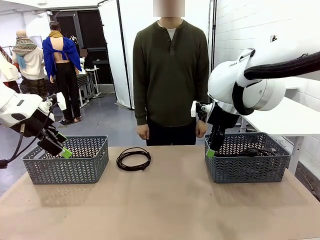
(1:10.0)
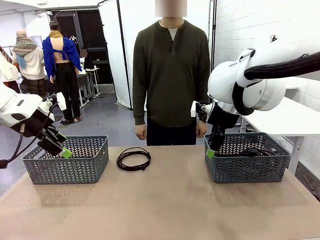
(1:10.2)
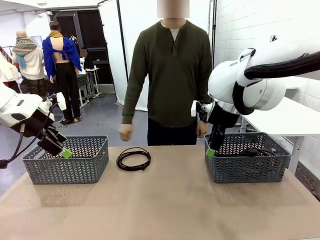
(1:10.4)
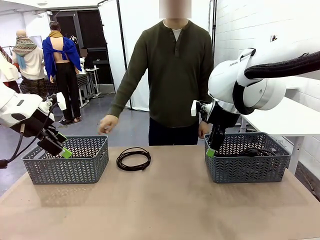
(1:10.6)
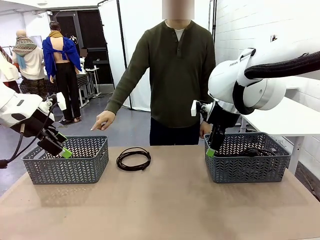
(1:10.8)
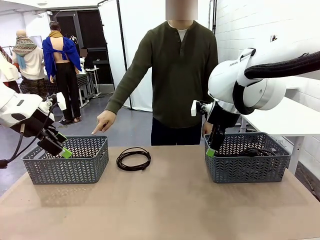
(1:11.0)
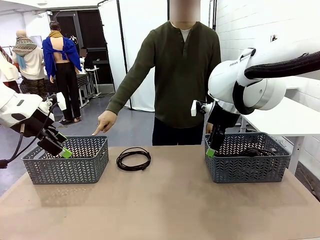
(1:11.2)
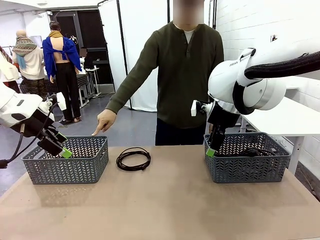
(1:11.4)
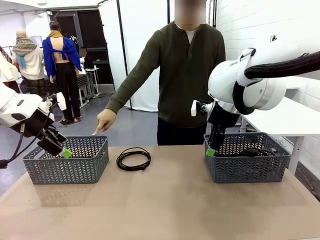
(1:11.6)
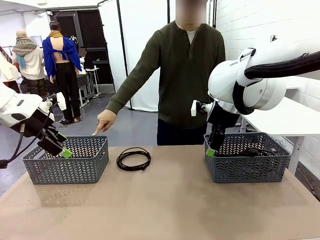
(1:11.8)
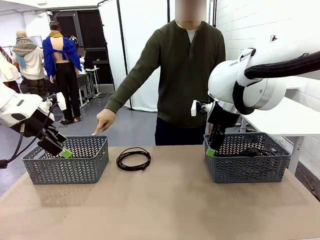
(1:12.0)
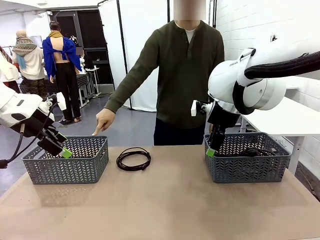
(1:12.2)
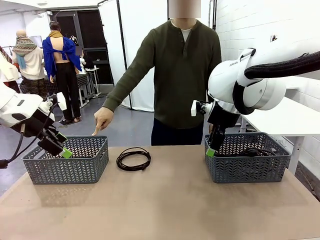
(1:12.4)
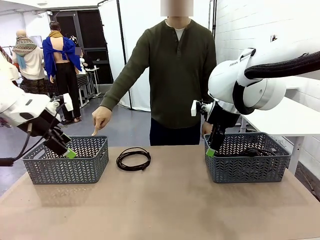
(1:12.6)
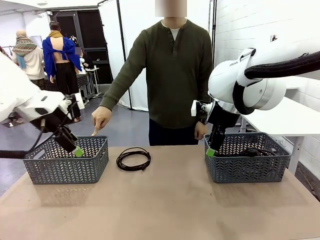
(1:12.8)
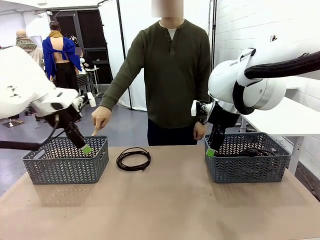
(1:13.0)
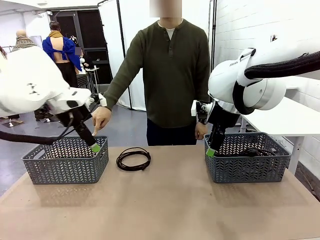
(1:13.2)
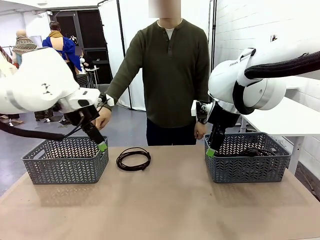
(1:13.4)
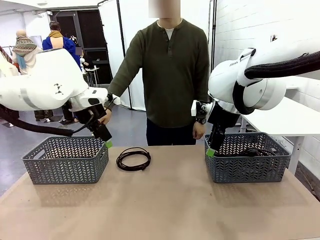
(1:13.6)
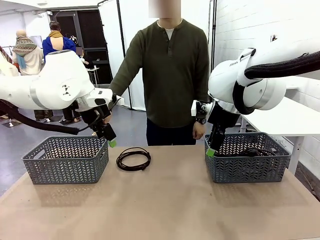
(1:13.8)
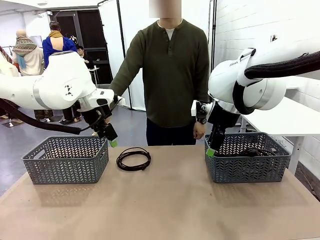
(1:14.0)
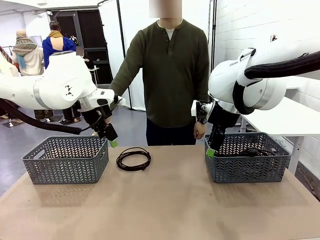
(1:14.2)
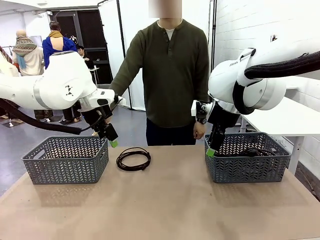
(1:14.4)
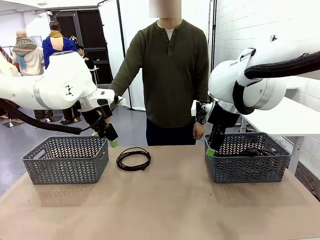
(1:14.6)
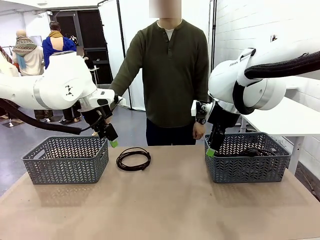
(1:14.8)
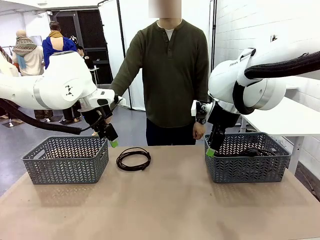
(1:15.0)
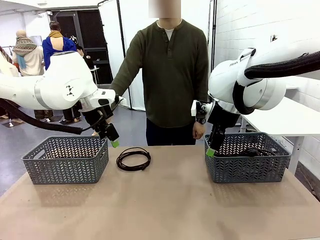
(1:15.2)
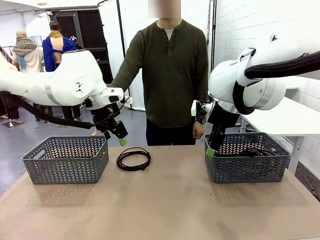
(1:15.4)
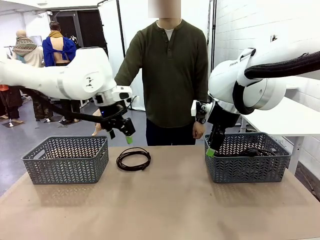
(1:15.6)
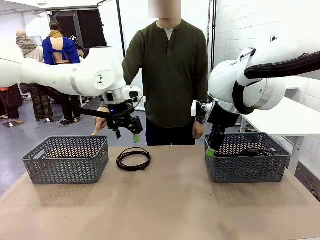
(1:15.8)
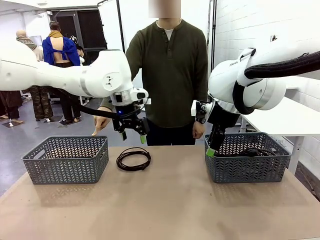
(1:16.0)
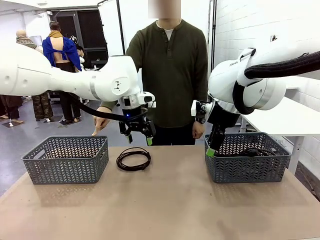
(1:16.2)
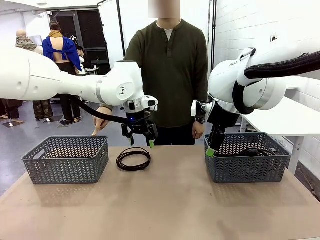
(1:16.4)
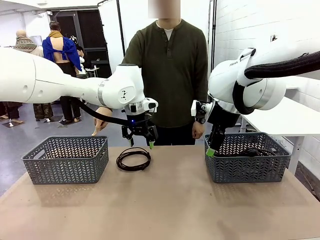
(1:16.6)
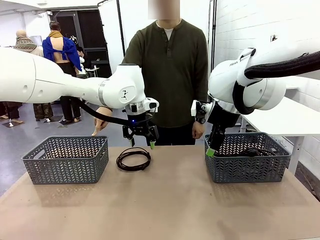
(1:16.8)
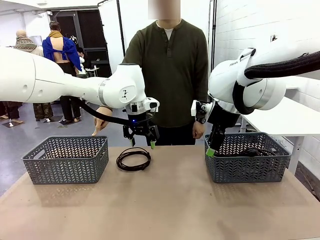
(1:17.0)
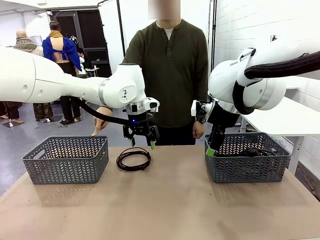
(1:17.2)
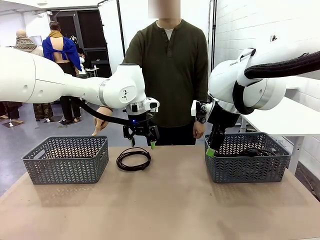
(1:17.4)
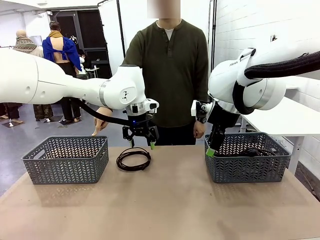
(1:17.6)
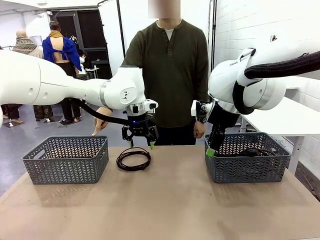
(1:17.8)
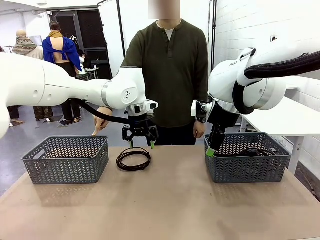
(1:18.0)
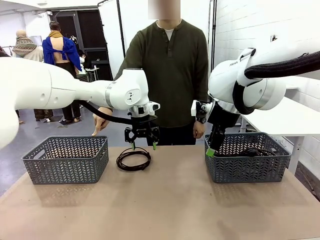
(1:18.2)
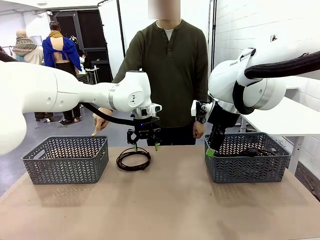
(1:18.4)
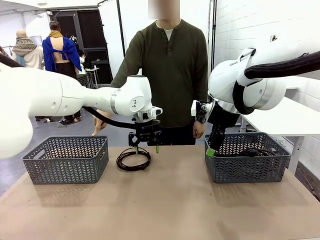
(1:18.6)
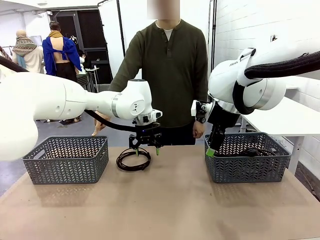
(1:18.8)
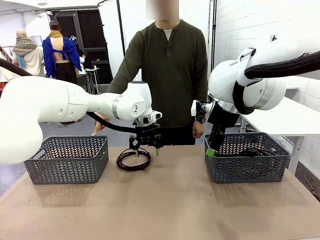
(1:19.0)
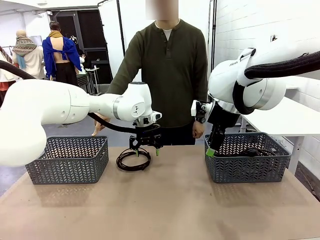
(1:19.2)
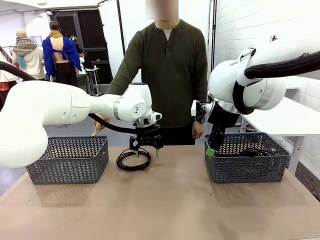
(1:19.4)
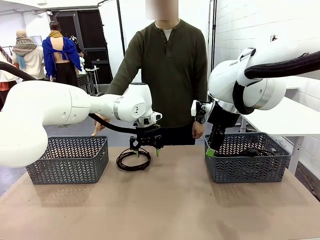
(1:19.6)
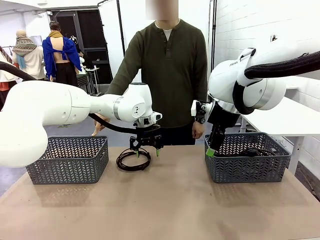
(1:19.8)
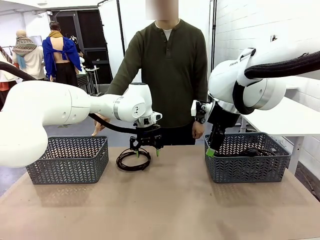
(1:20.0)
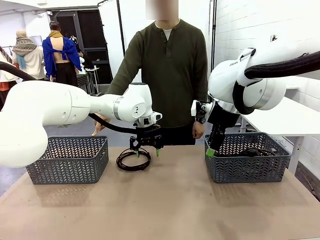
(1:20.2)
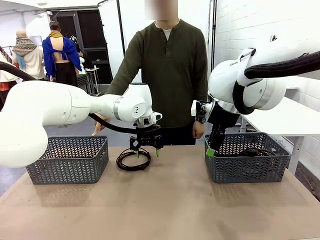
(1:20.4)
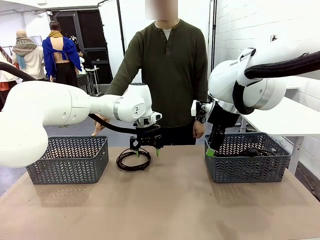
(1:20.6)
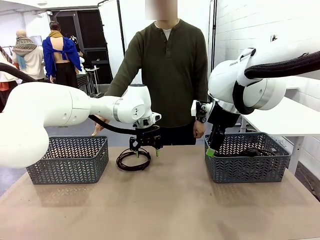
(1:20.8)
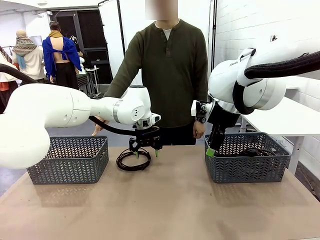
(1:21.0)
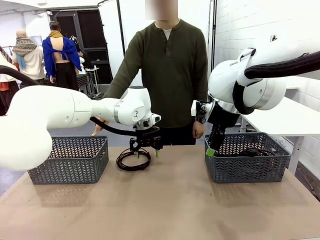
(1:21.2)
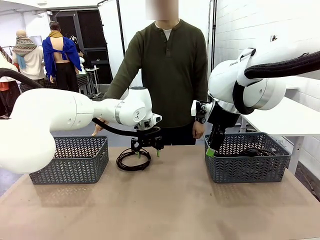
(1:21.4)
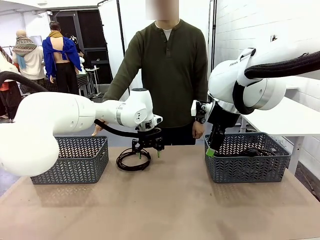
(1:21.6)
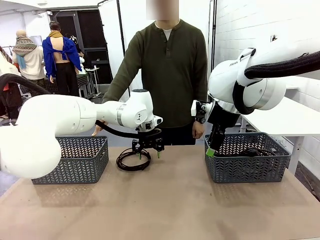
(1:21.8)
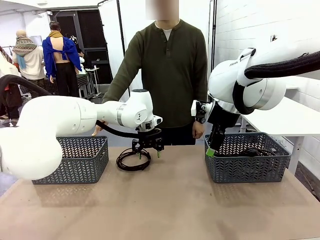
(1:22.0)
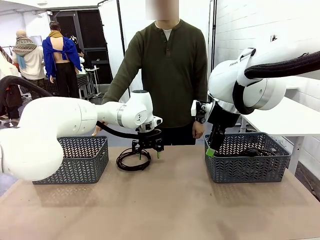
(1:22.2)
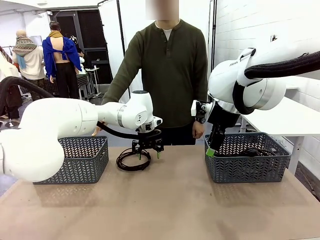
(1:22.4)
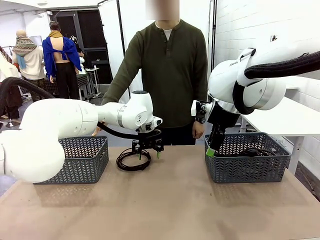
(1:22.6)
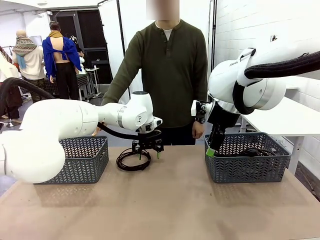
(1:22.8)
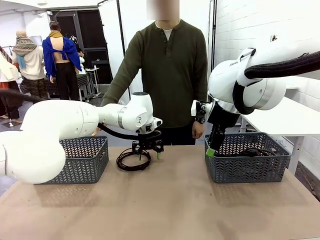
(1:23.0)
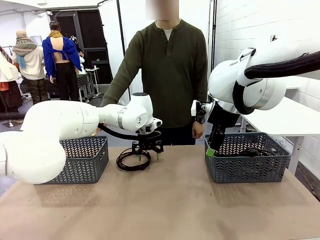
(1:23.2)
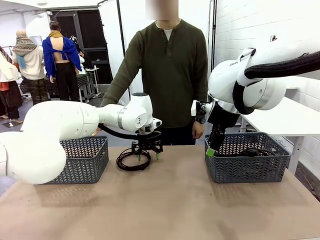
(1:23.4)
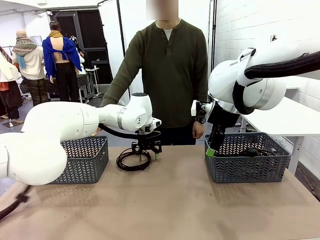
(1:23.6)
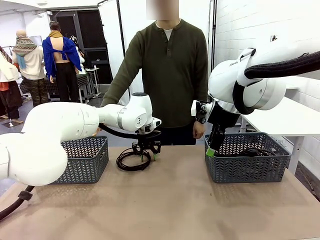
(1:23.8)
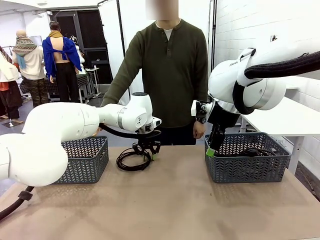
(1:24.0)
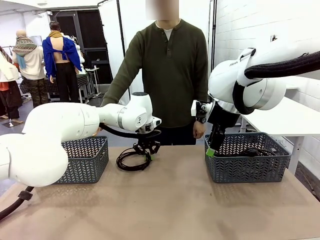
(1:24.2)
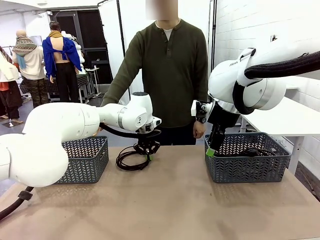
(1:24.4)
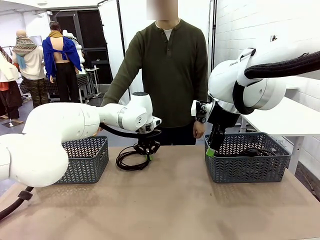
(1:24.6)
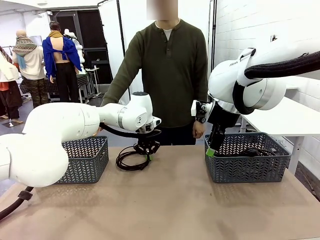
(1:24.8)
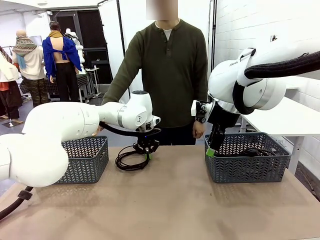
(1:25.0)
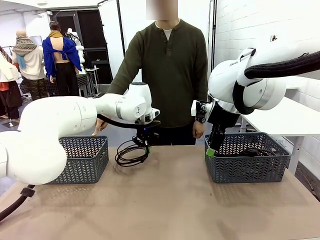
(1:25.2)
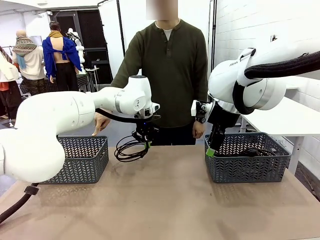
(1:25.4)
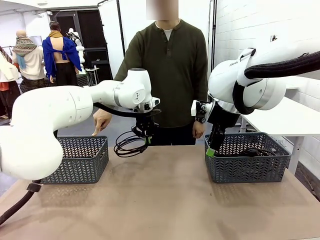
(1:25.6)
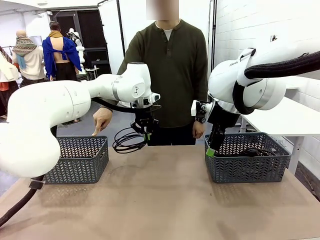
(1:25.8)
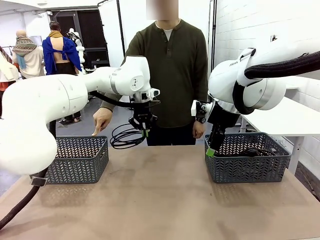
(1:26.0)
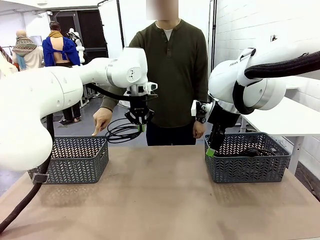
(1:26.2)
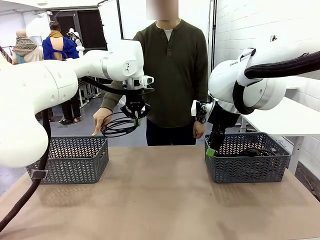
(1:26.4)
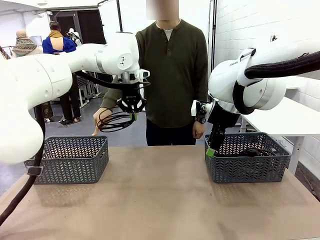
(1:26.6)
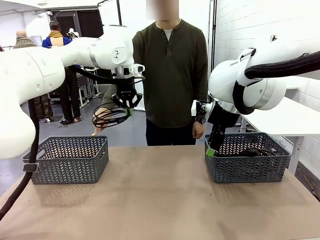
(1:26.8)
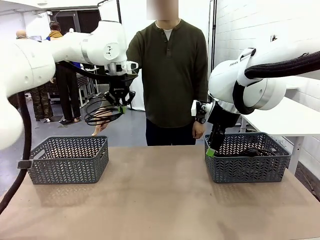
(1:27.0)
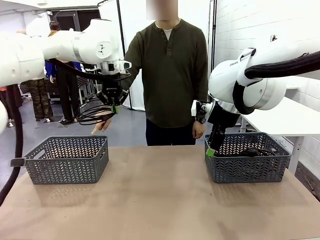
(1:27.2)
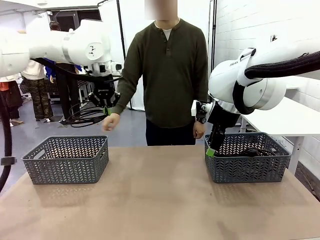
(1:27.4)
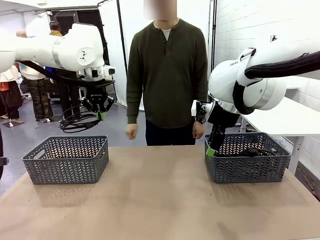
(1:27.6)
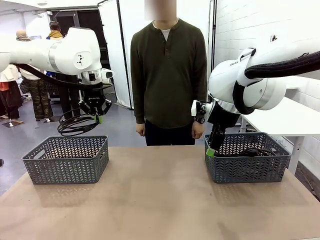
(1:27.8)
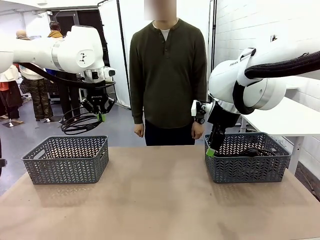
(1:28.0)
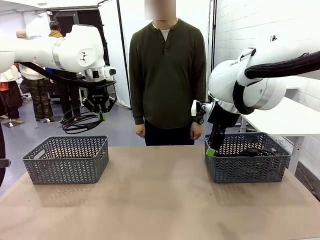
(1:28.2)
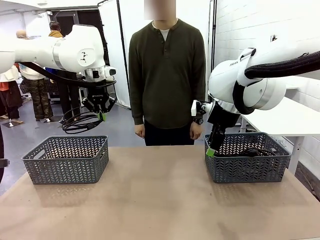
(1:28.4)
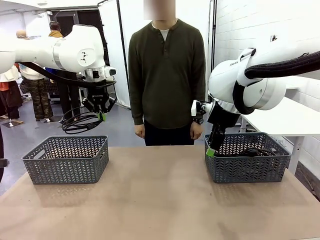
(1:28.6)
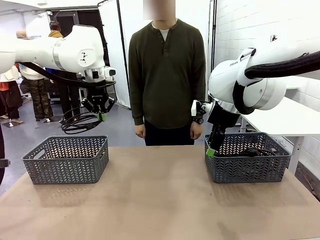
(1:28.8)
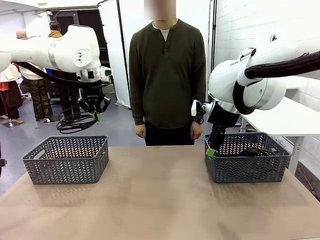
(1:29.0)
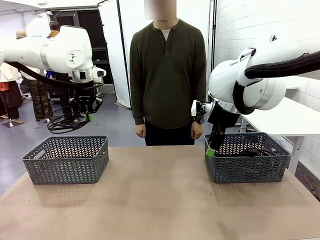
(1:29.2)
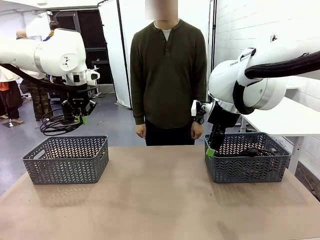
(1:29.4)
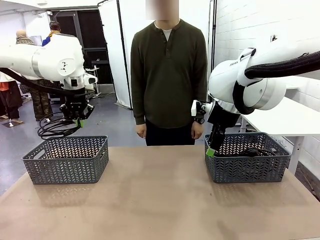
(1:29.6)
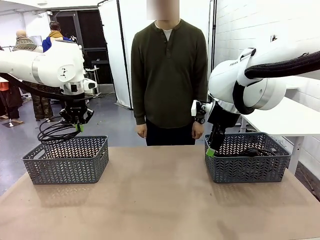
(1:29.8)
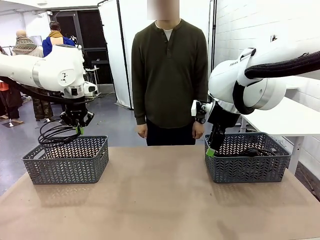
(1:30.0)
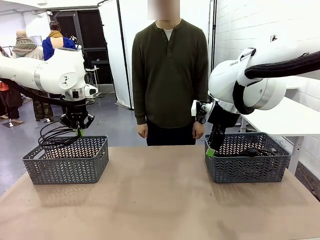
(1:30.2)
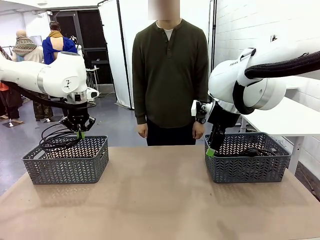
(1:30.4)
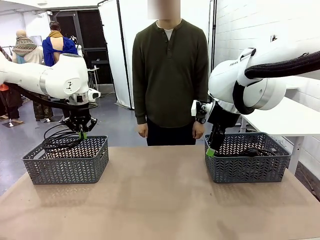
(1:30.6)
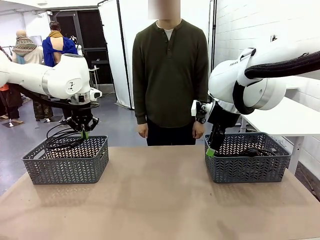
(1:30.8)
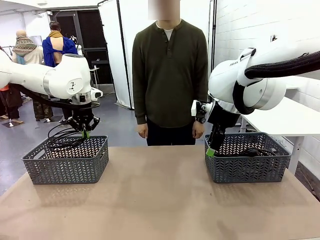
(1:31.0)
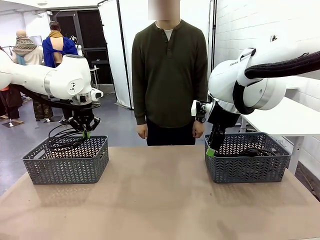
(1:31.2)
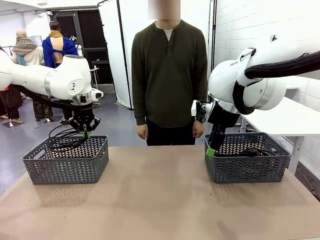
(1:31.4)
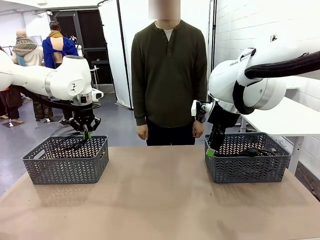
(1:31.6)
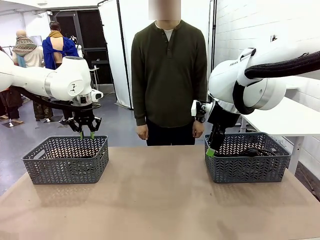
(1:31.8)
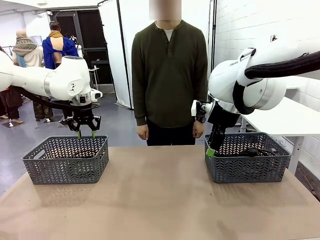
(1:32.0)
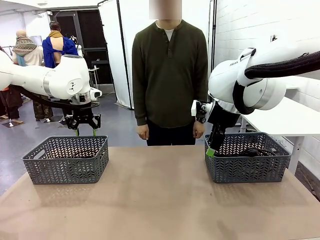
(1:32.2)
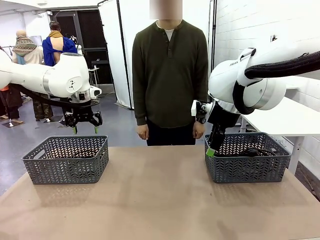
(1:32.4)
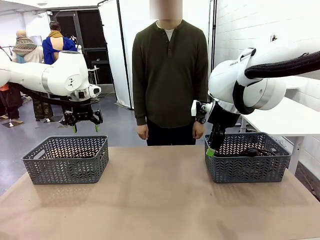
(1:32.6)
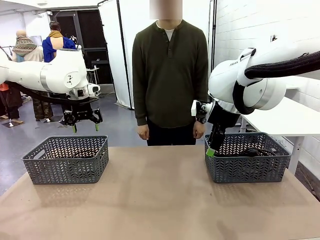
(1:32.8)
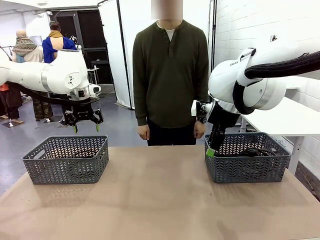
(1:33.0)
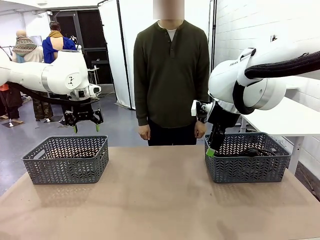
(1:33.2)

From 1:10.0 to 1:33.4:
Task: Organize the cables according to human instructions.
Robot: Pick up a bundle of cables and place it in the basket indicated by the human.
